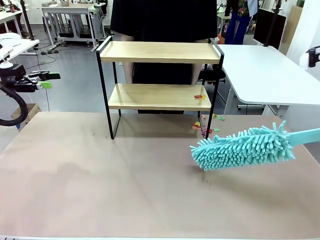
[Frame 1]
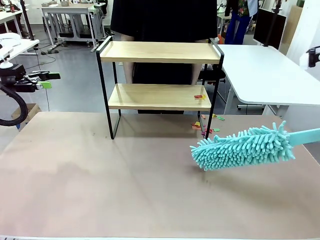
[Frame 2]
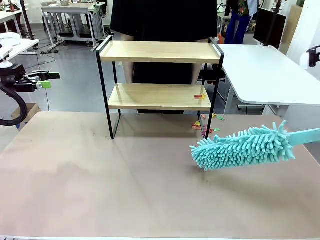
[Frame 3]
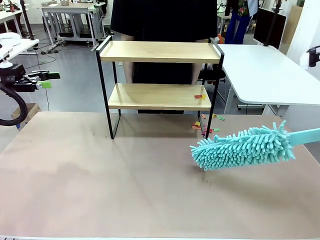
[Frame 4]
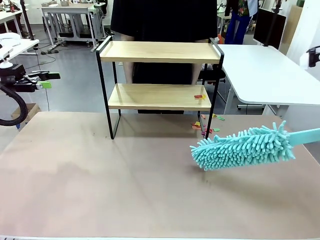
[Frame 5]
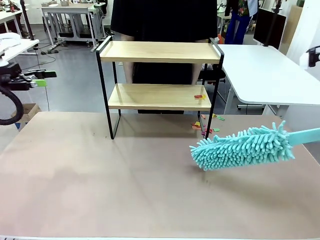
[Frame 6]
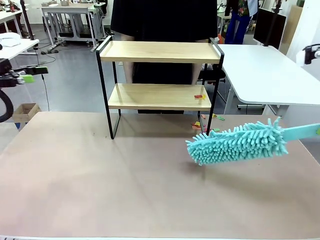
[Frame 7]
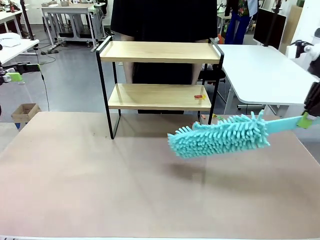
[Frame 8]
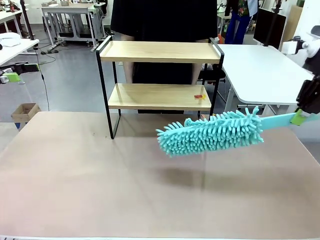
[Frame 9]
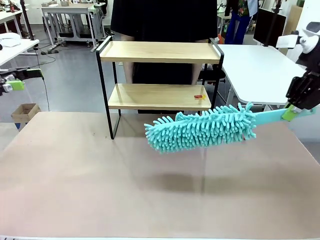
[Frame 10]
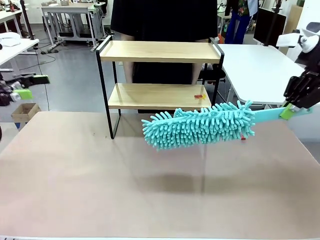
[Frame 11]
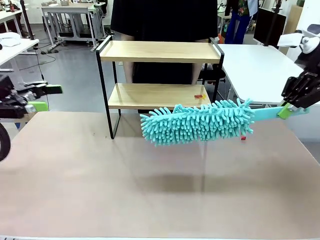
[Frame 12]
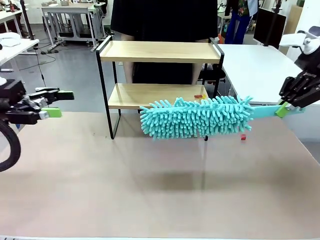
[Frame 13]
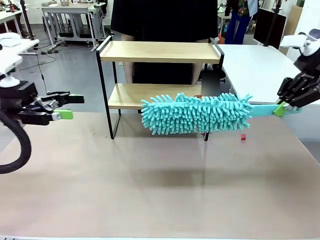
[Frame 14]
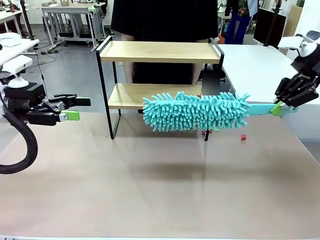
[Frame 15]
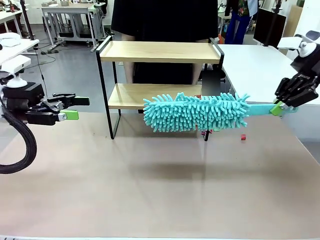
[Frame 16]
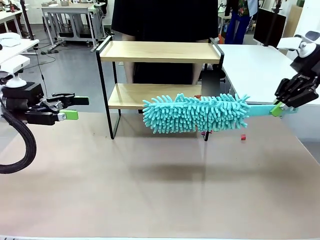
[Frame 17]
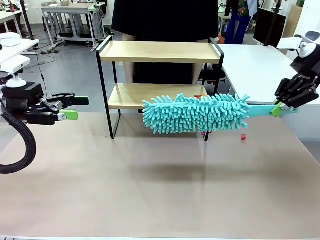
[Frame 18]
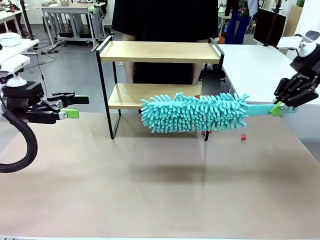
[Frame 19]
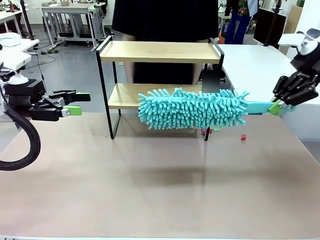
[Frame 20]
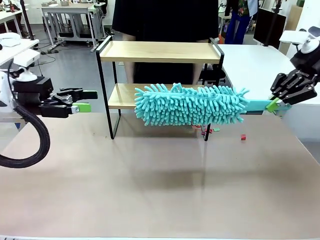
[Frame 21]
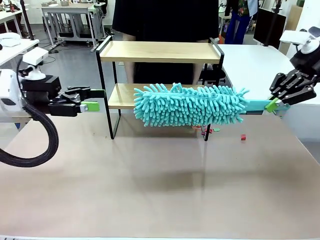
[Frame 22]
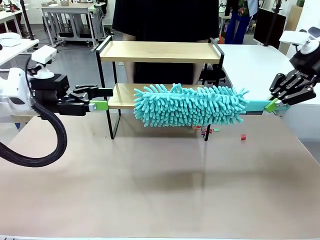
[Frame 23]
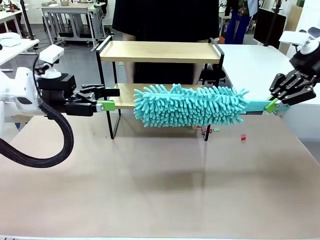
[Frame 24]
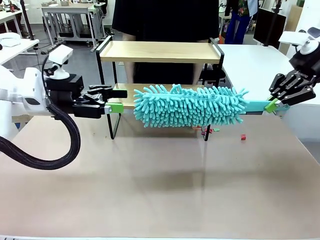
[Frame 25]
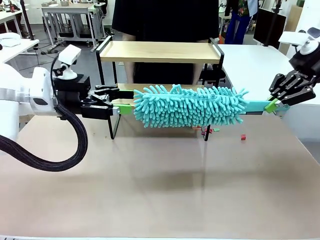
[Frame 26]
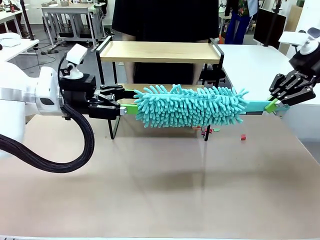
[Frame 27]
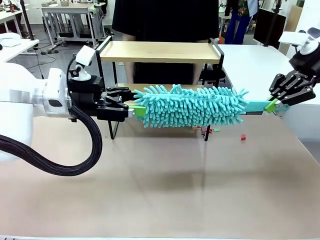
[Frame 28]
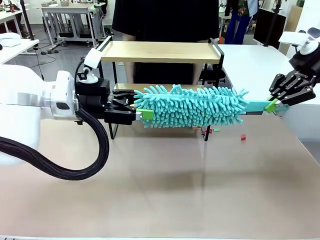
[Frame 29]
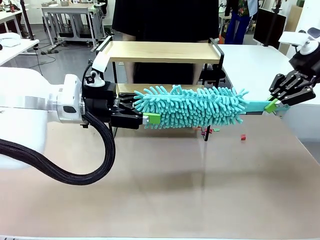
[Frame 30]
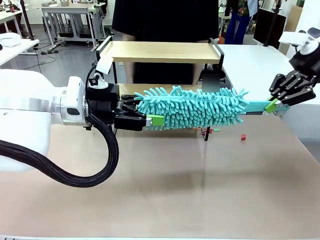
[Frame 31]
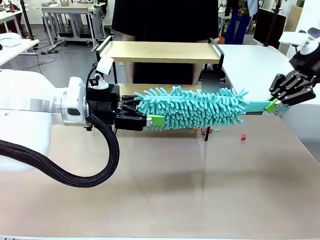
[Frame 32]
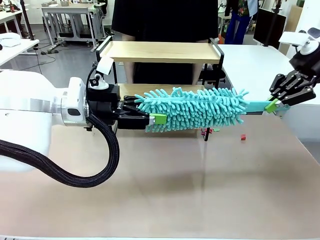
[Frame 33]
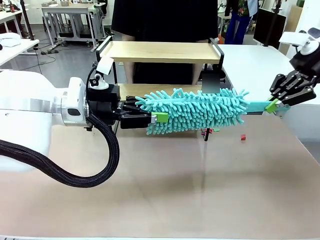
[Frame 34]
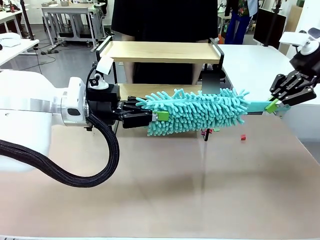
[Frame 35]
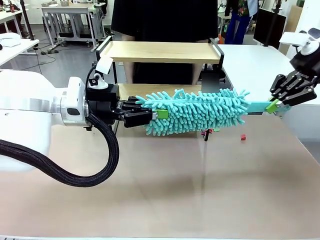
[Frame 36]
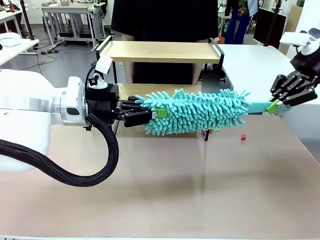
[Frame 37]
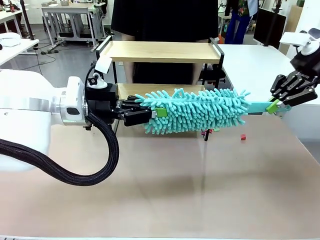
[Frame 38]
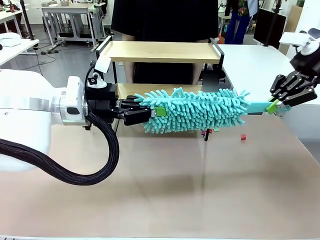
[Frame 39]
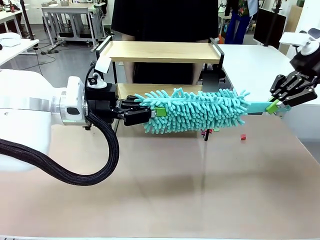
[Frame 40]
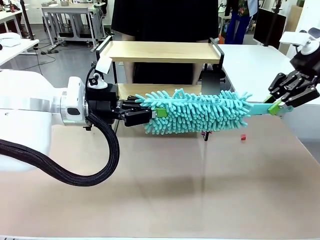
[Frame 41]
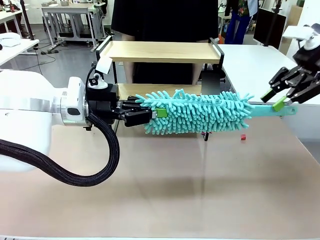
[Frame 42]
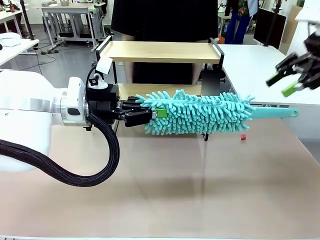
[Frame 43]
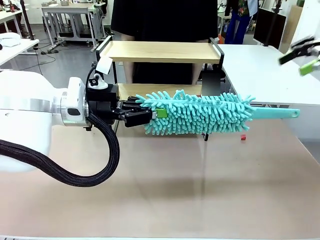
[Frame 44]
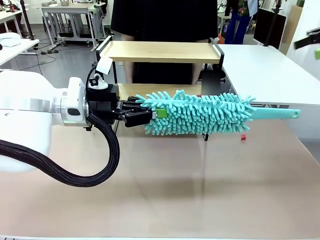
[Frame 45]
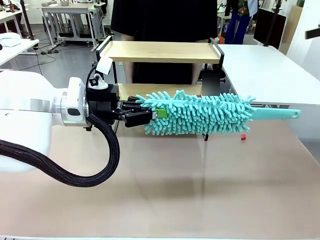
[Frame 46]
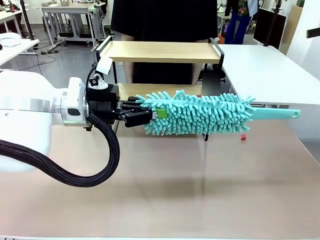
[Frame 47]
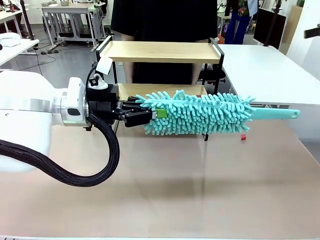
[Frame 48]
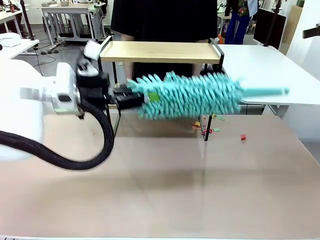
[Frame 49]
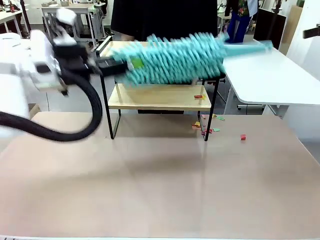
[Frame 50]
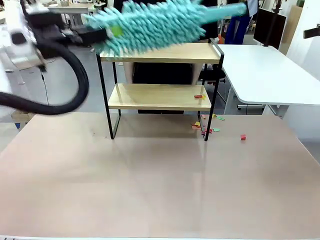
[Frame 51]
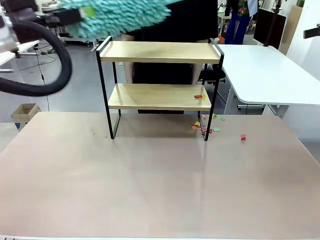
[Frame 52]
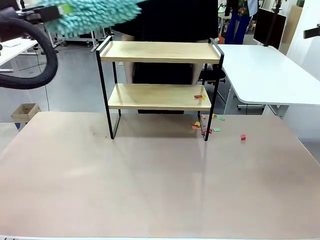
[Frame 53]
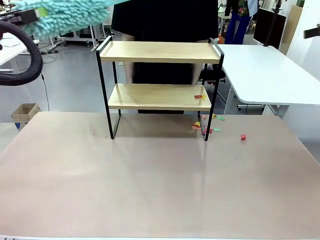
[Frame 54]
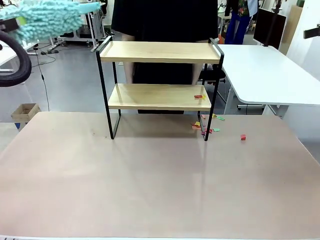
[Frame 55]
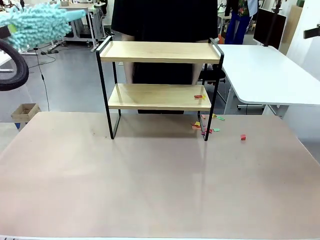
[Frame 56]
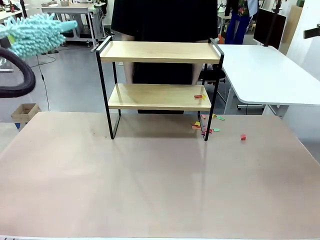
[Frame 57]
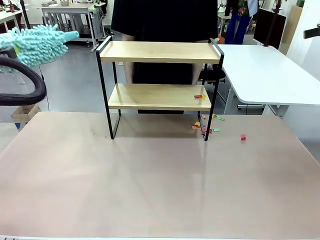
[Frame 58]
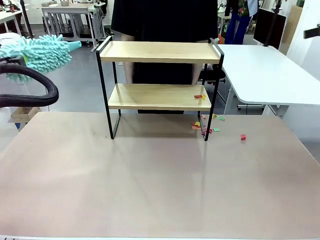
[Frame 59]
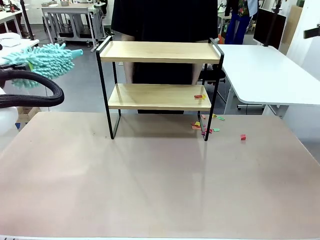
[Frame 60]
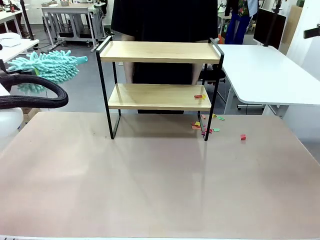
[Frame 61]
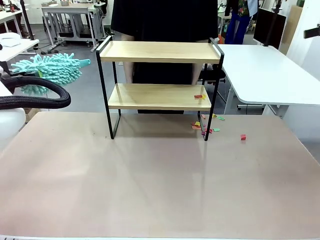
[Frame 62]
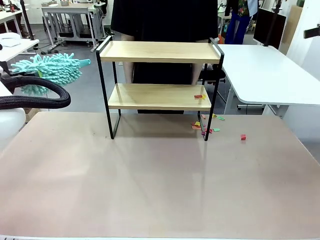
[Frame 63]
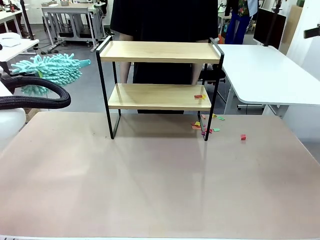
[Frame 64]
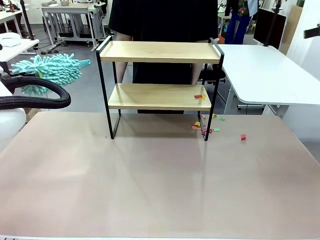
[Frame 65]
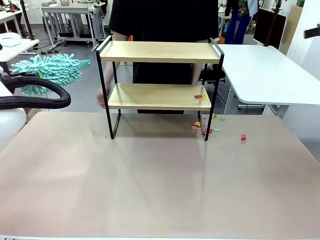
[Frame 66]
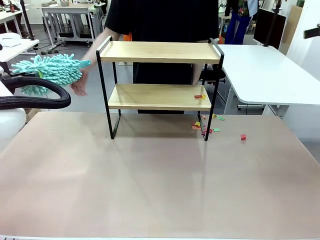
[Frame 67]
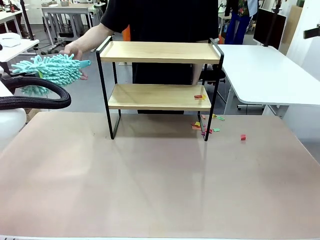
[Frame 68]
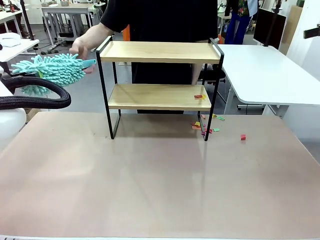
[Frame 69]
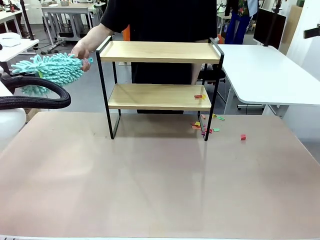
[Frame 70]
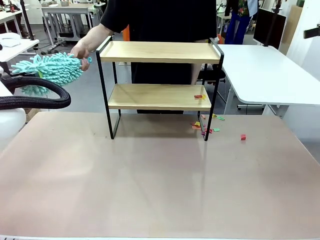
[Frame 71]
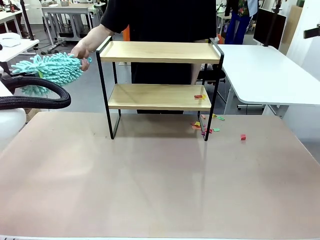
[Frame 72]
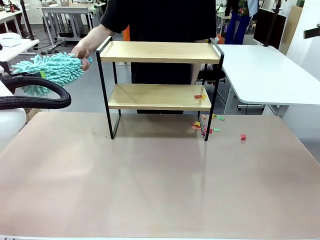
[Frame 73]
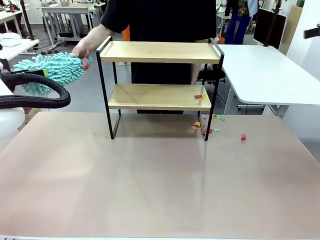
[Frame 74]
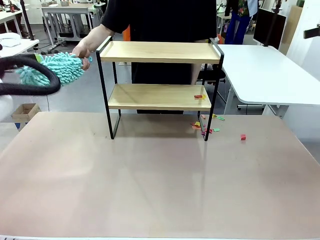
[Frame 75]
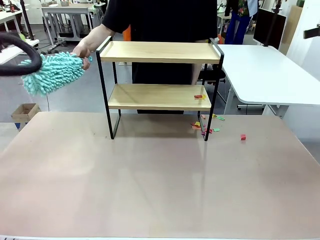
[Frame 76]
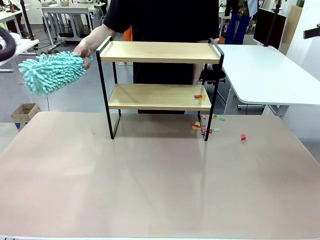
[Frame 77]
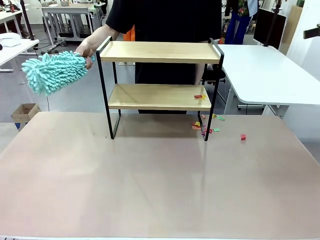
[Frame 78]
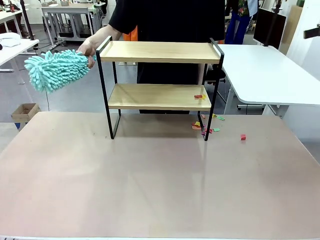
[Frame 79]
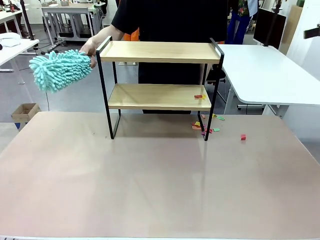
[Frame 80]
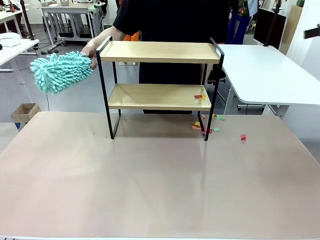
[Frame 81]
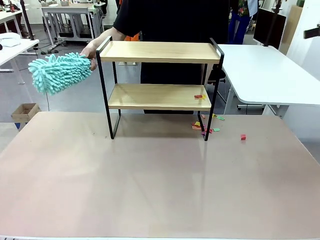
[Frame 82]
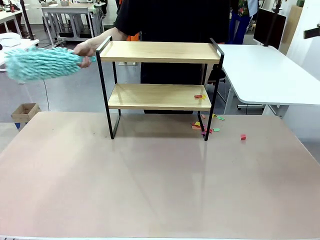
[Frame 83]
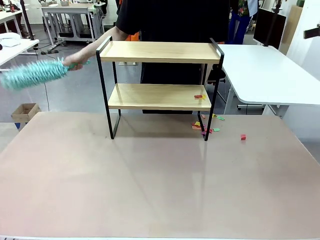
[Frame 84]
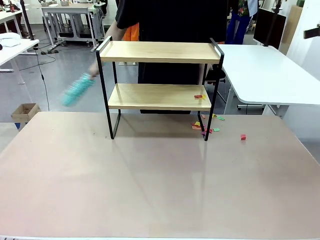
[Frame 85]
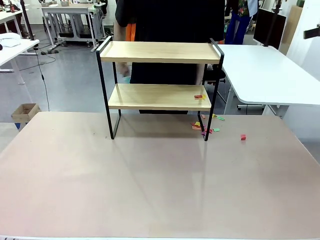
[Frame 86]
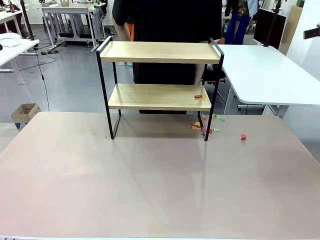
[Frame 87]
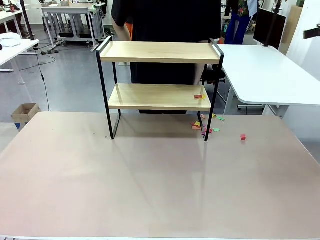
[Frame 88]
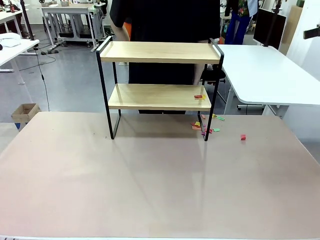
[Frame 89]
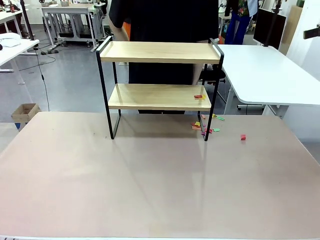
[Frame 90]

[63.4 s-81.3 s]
Task: Clean the shelf.
Robot: Hand the Duster back to the human.
Person: Receive the Duster from the robot.
